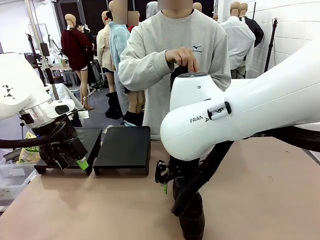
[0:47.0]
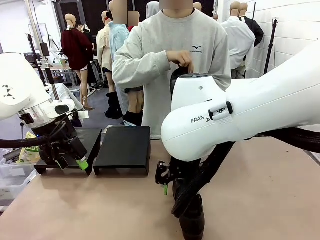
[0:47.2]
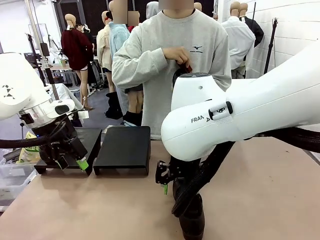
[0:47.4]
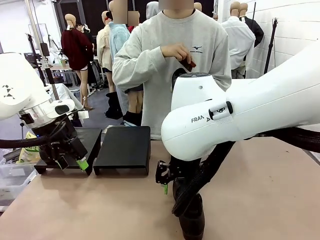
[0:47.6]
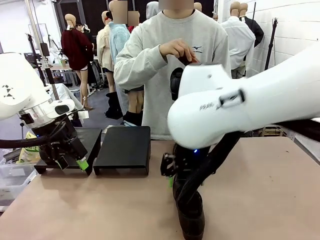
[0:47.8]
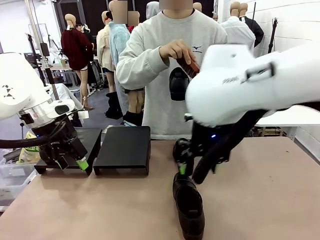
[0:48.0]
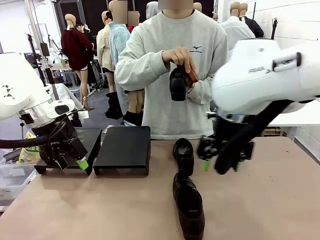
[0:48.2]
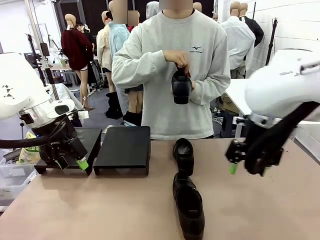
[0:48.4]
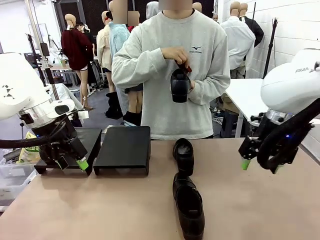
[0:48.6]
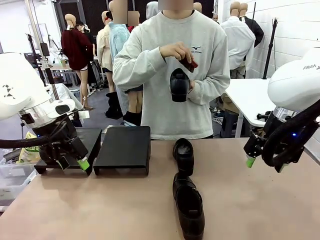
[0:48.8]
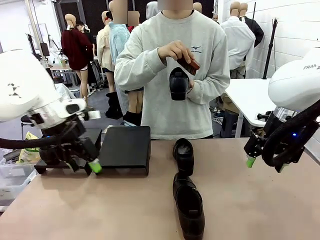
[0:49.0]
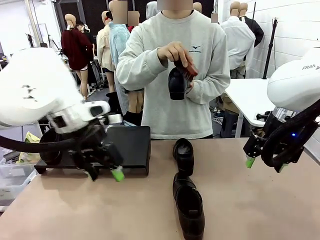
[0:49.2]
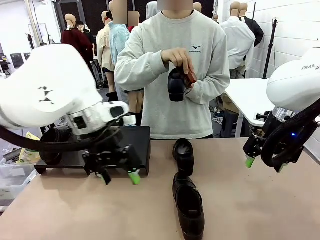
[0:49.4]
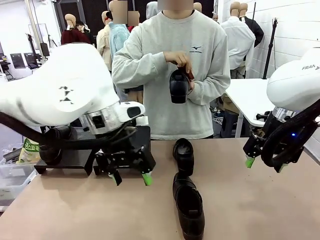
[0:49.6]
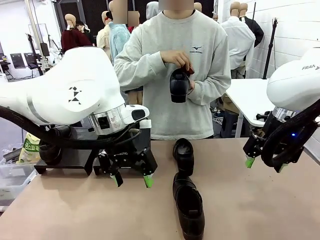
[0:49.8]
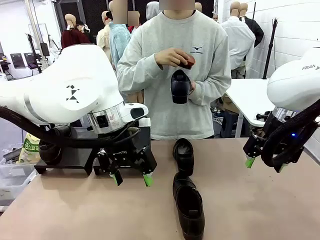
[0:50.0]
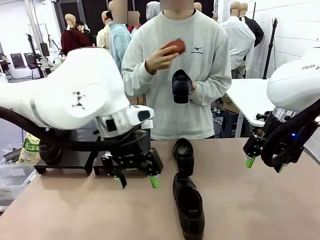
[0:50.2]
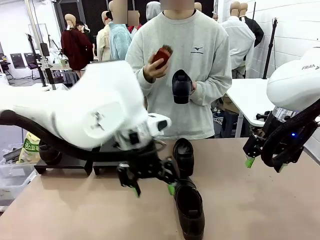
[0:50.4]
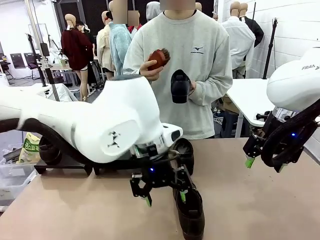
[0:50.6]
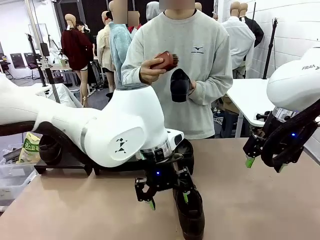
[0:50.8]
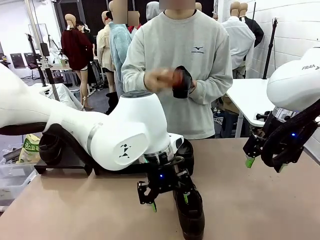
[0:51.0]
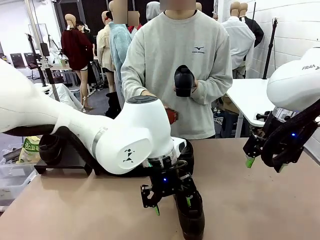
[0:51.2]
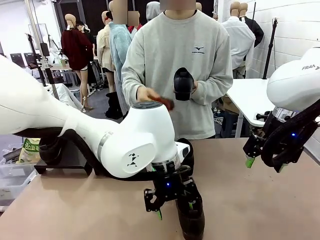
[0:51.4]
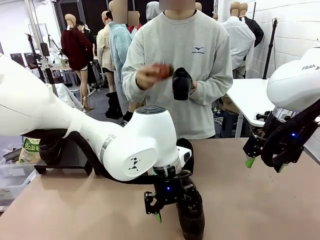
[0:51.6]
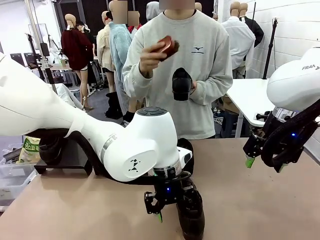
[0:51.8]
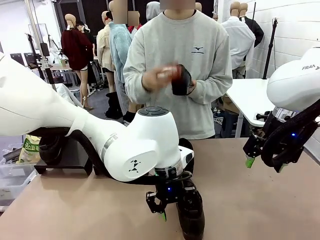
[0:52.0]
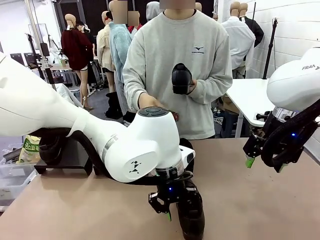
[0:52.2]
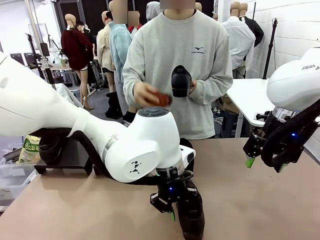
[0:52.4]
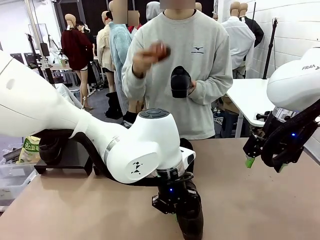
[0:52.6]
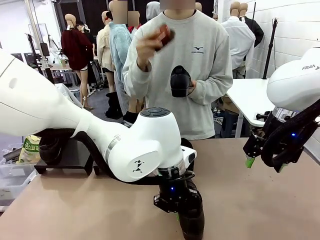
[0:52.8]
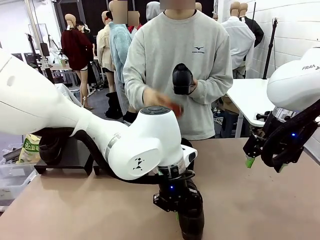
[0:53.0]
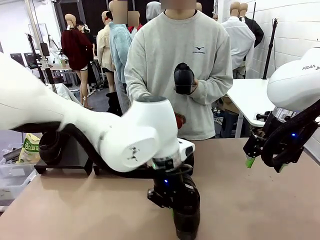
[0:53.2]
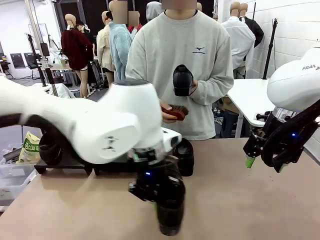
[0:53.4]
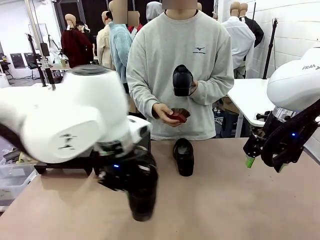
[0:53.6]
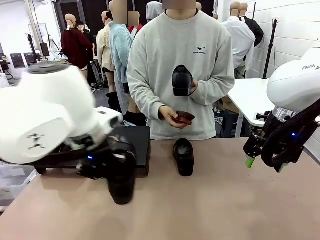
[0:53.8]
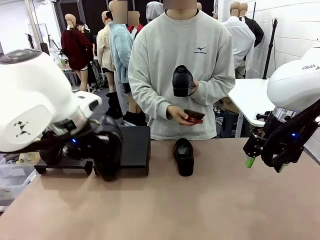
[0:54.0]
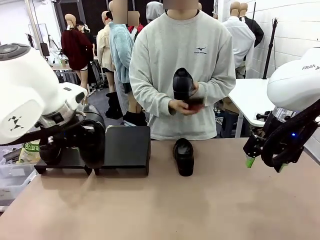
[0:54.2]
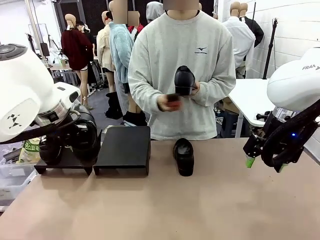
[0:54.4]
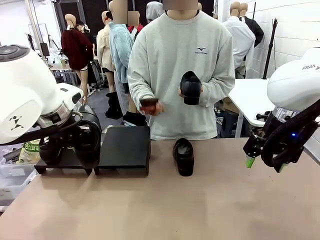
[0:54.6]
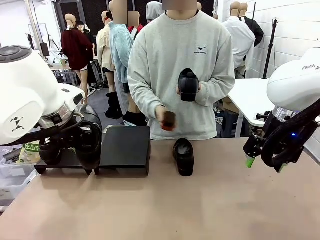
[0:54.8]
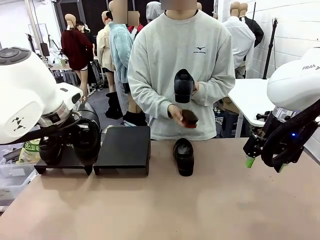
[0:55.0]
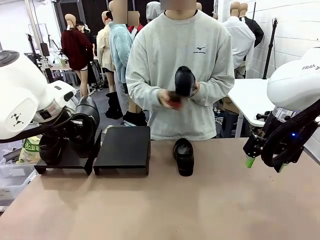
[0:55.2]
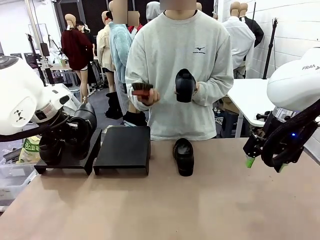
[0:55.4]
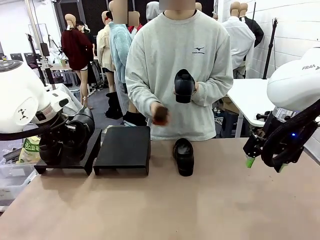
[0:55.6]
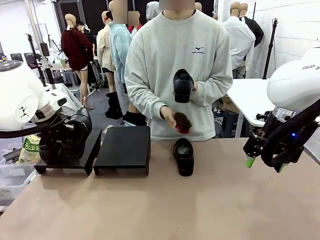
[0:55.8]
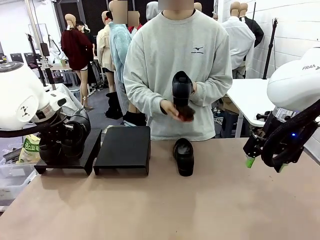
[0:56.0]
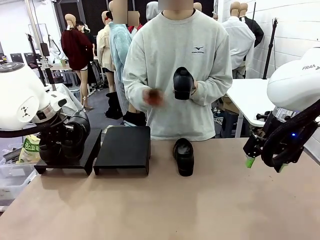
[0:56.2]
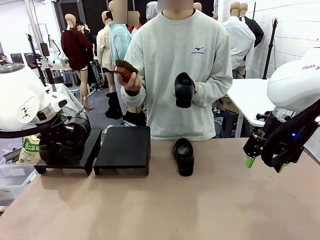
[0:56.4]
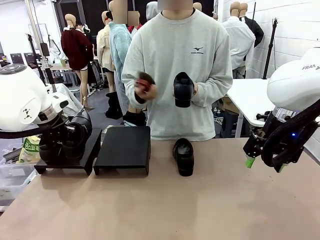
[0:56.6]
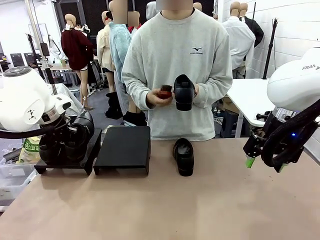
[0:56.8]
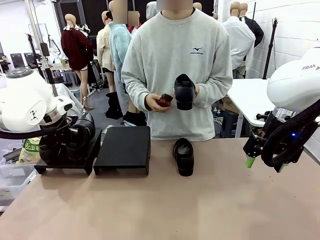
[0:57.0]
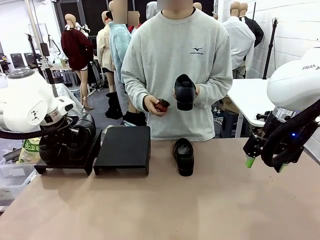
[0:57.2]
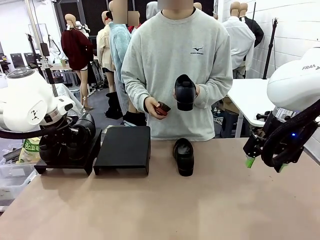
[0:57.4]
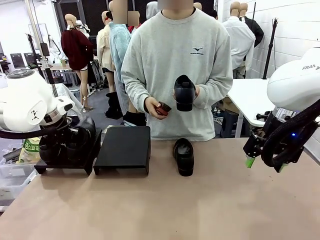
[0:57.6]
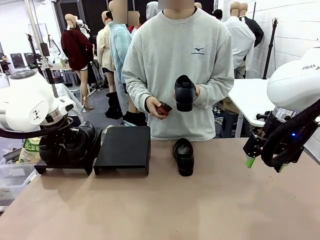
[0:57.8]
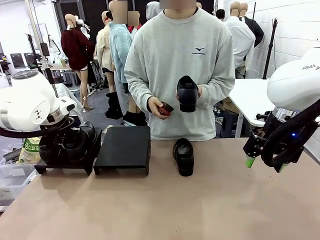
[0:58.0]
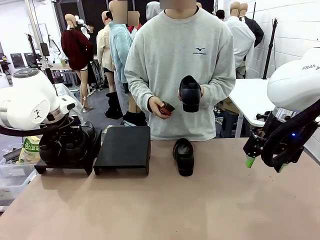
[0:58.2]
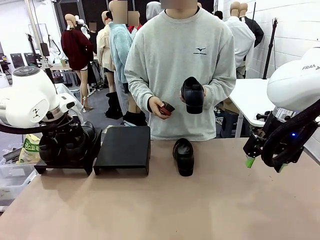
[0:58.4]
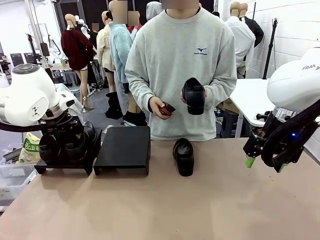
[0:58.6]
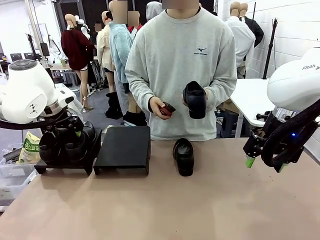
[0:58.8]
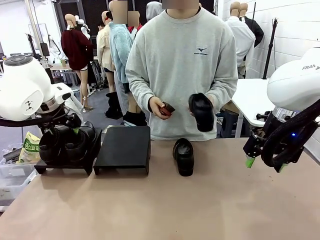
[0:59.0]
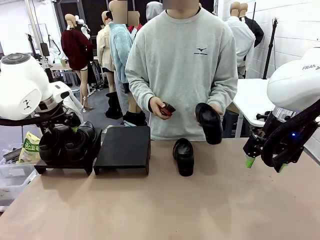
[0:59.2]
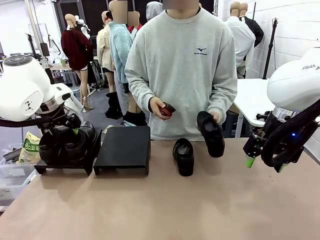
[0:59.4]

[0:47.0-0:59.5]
Task: Organize the shoes by placing them on the stand.
Robot: Place the Shoe from the middle of the table onto the Shoes Stand.
Person: Clean the Shoe with the Shoe Brush.
